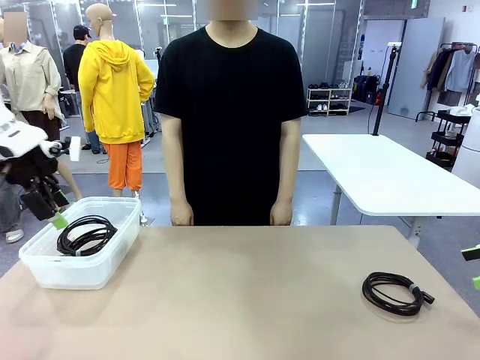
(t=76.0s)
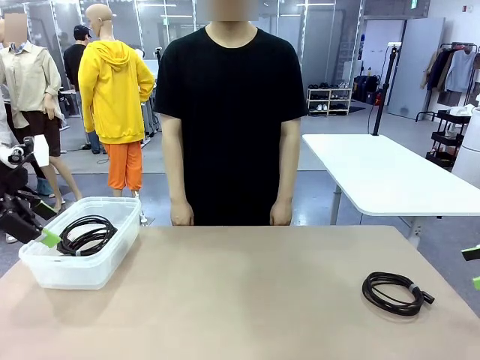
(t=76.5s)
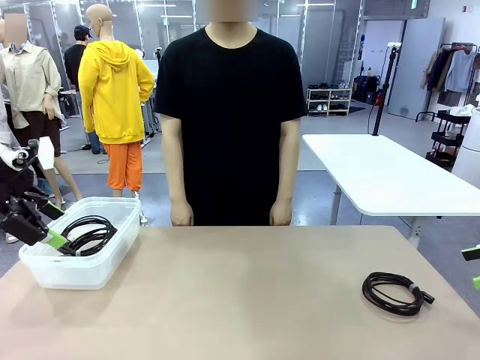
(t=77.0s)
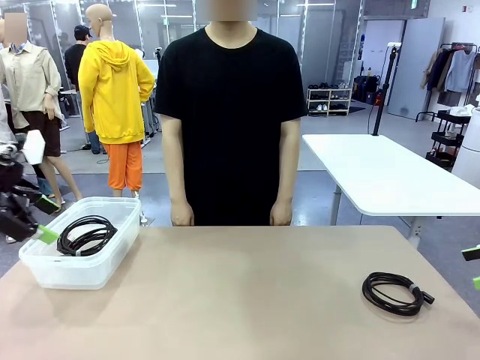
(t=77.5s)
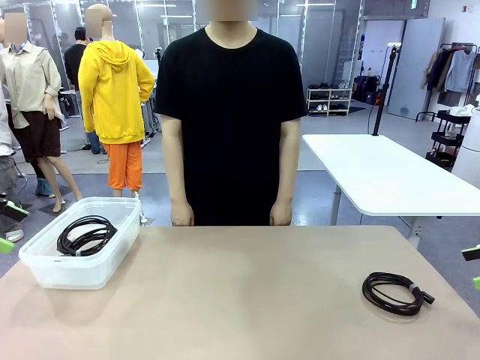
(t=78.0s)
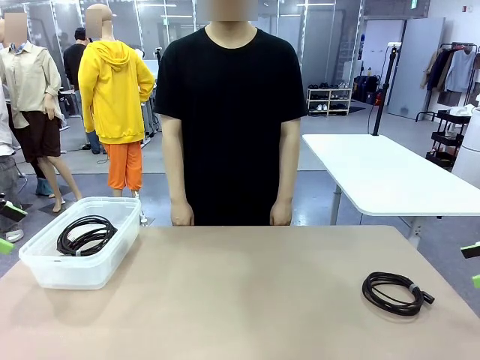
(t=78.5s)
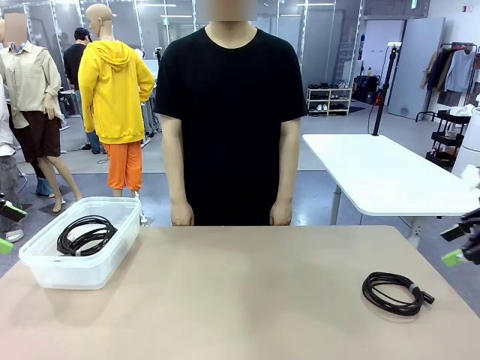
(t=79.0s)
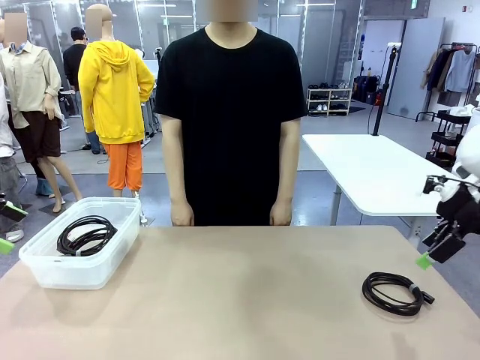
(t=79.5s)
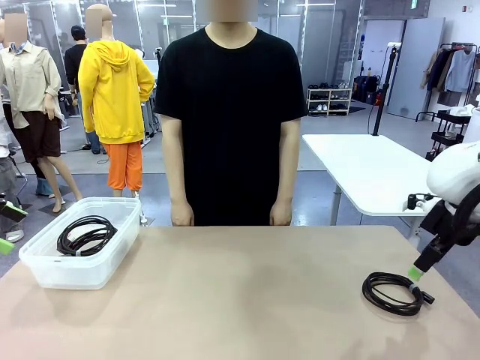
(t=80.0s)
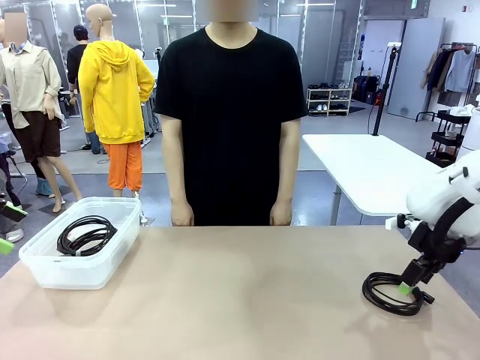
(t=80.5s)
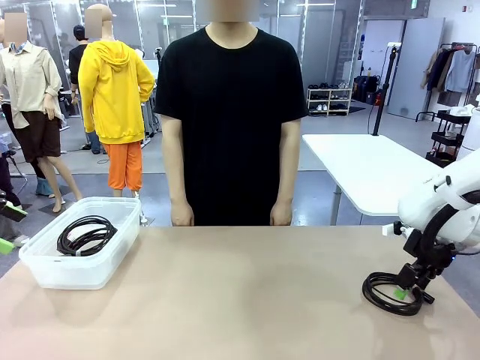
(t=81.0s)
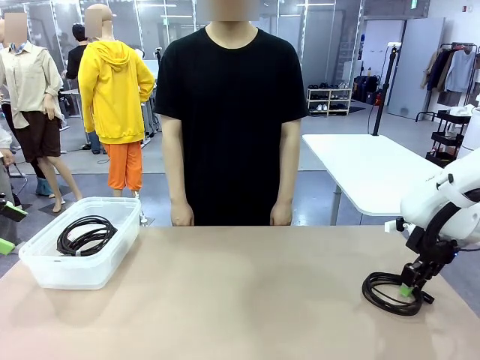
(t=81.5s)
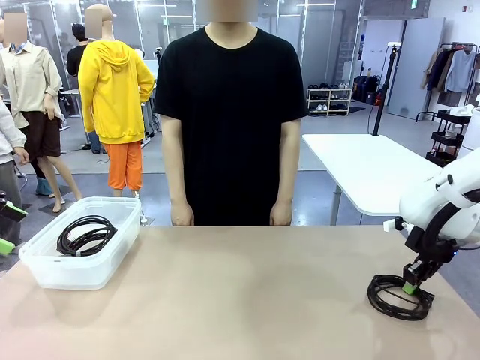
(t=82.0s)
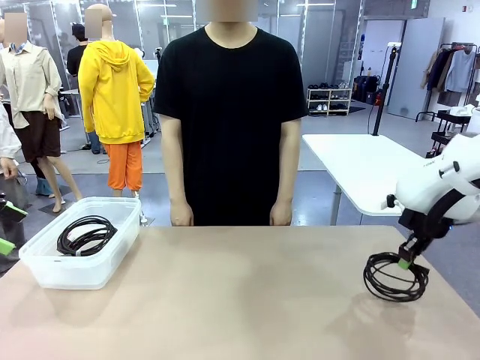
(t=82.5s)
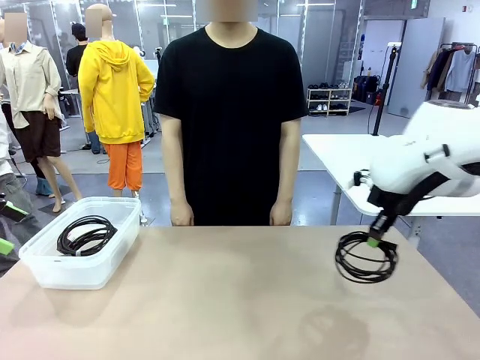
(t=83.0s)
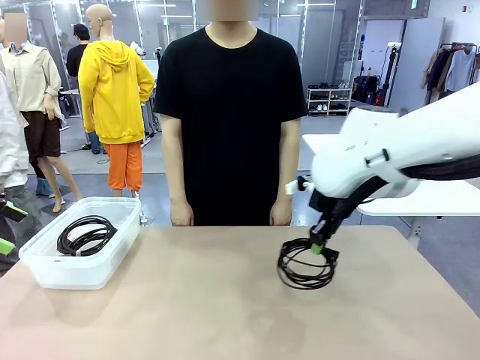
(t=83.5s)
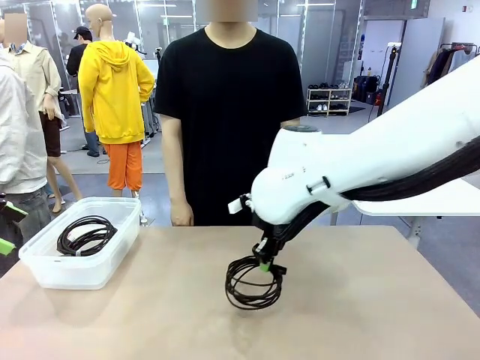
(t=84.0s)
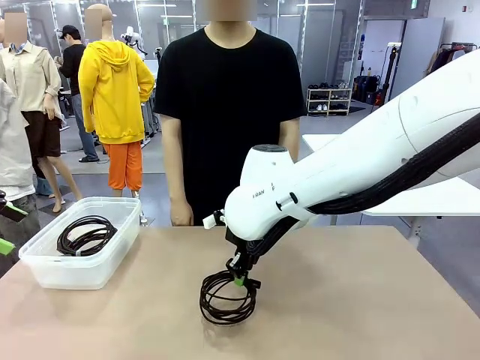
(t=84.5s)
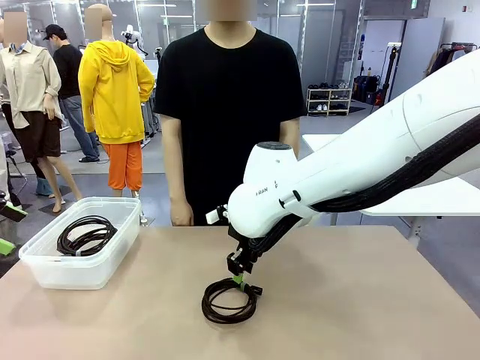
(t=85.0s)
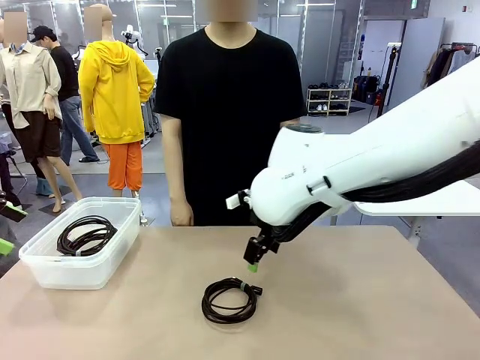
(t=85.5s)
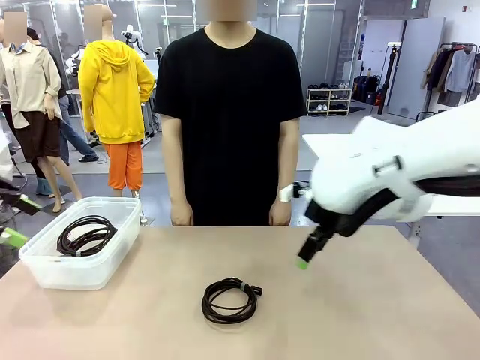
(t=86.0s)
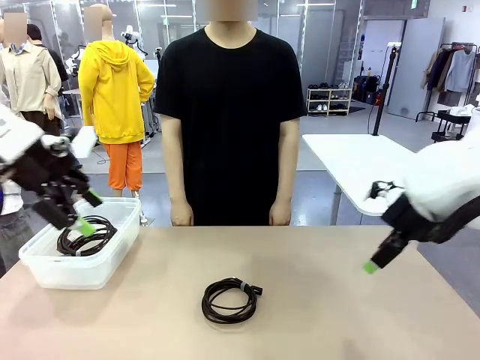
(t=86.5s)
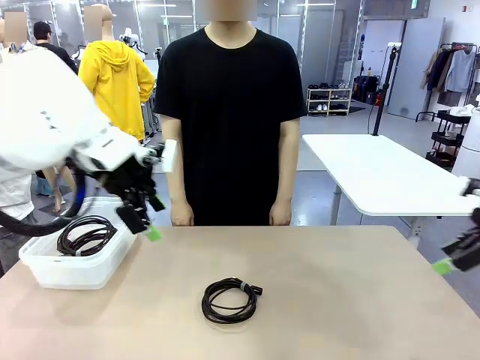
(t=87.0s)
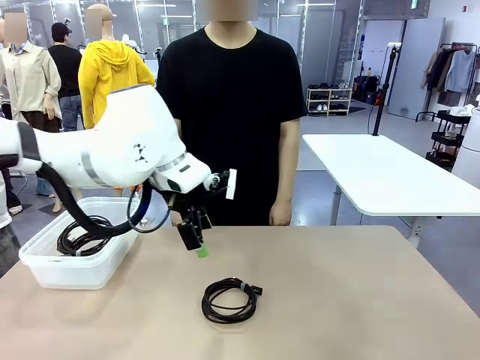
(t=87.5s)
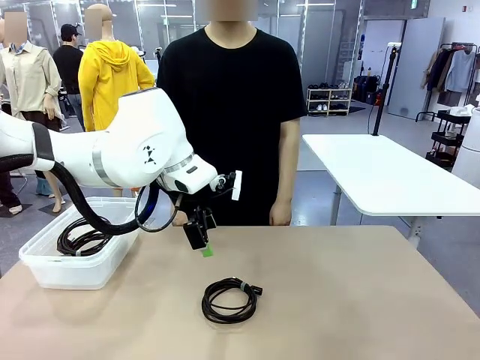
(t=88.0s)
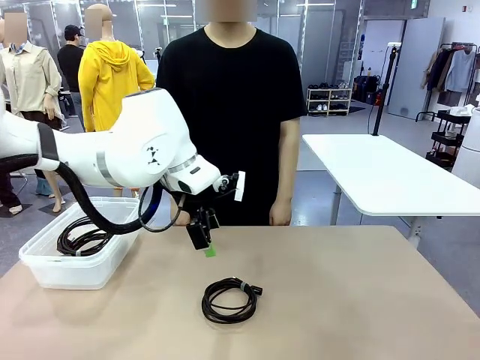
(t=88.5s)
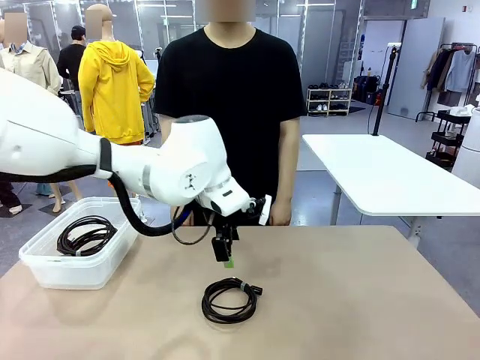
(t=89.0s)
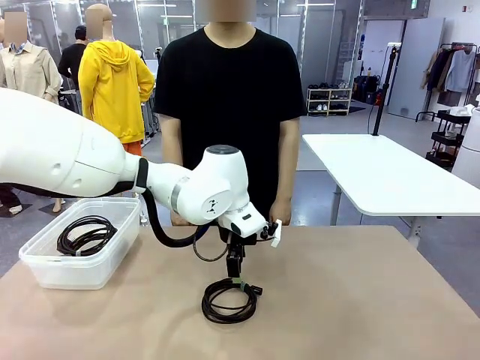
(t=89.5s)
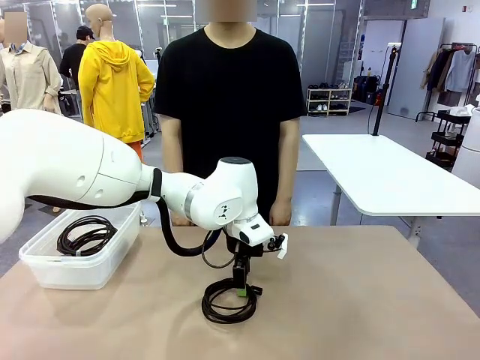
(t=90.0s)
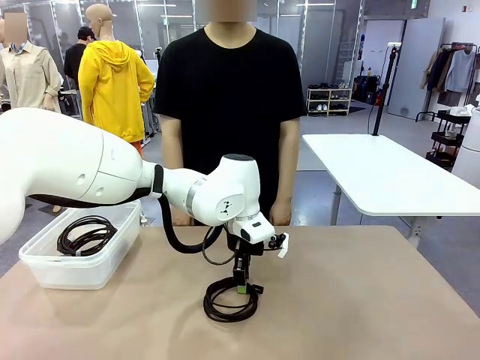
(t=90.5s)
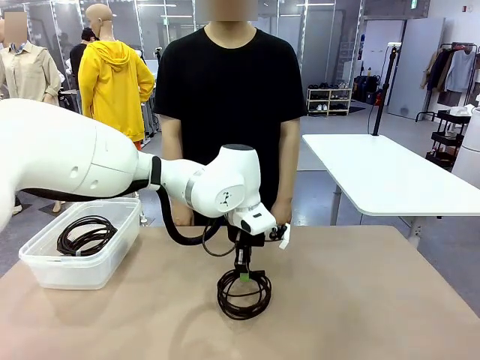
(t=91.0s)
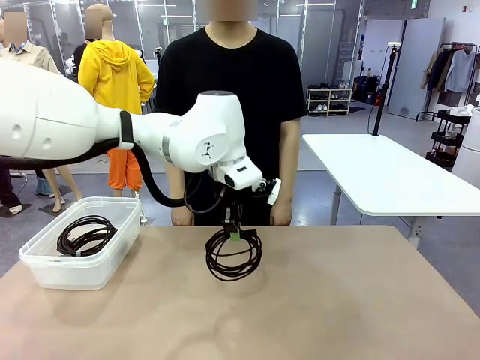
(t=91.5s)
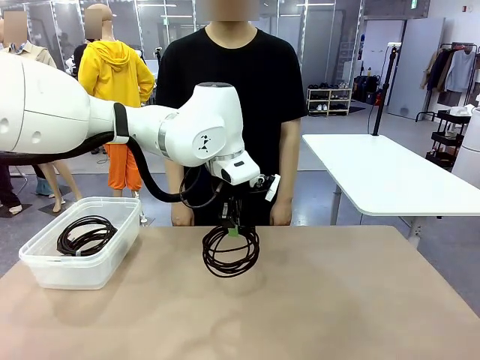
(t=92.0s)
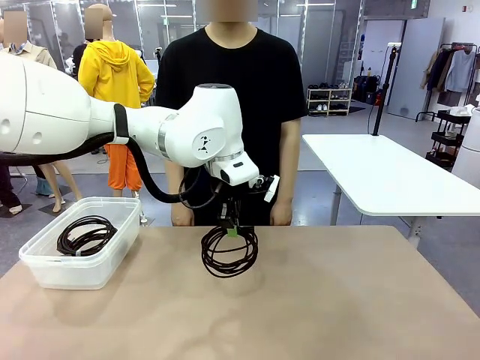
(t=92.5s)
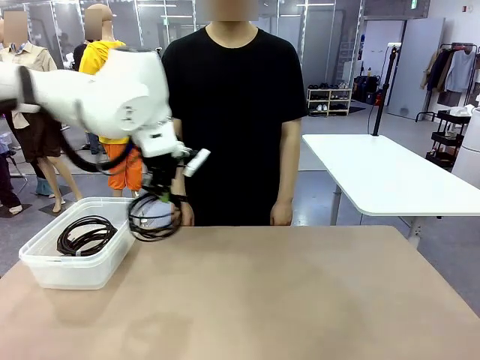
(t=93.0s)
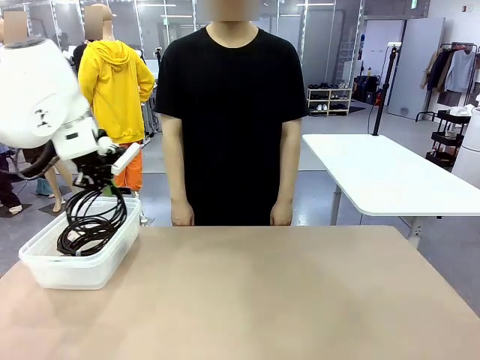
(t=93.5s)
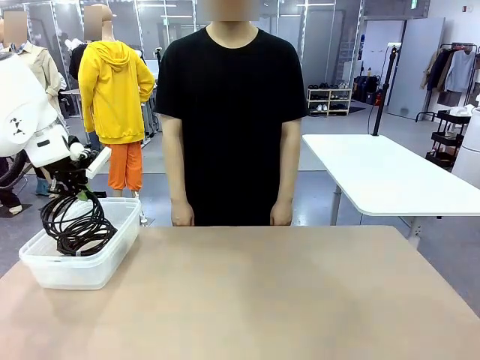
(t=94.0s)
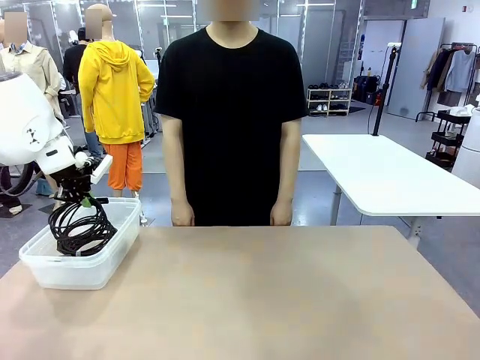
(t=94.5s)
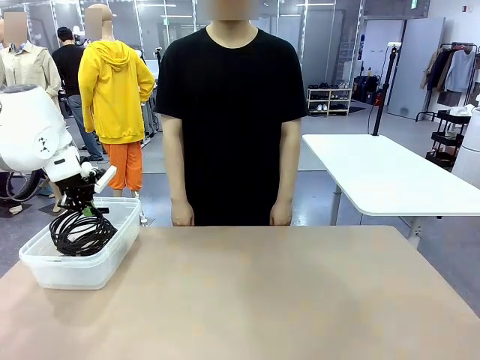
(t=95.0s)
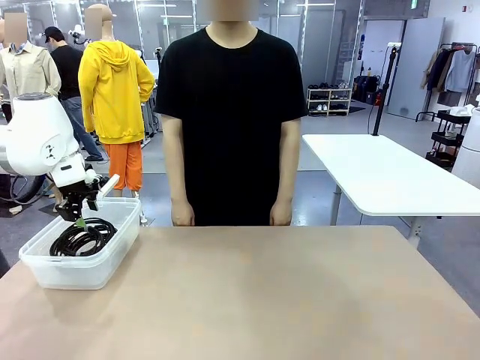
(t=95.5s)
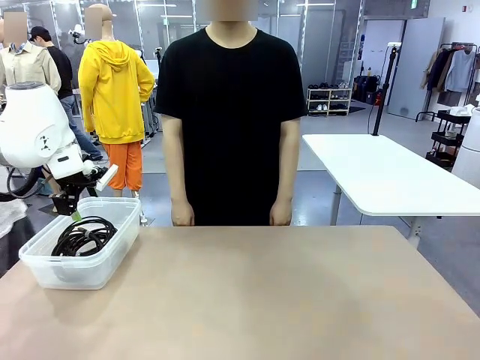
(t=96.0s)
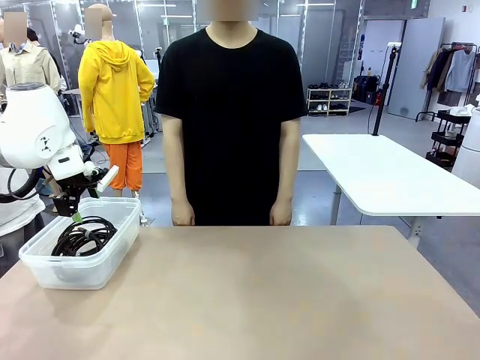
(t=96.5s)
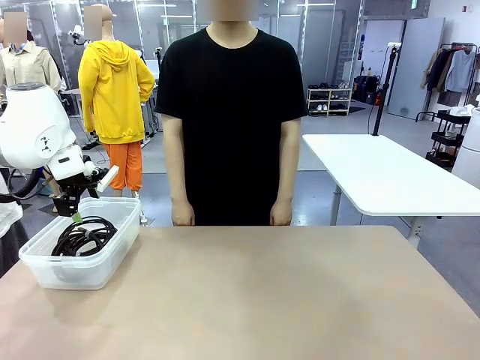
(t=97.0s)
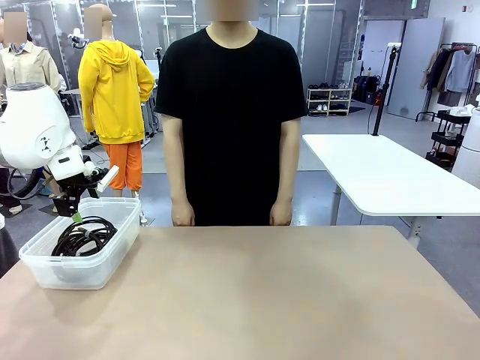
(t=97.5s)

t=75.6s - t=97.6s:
Task: Organize and store the cables.
Robot: Place the USB Extension Cable into the Organizing box.

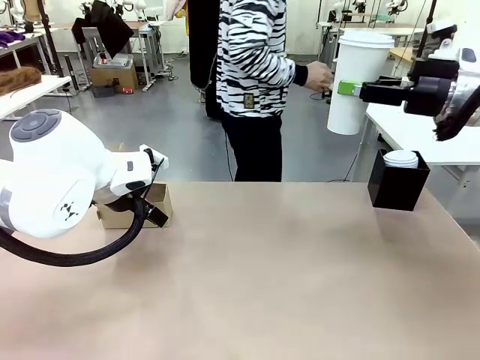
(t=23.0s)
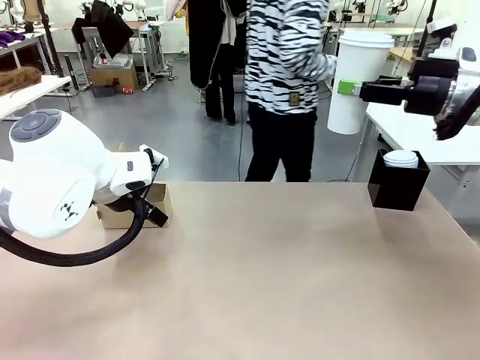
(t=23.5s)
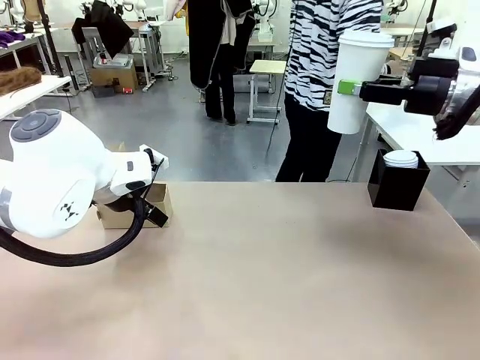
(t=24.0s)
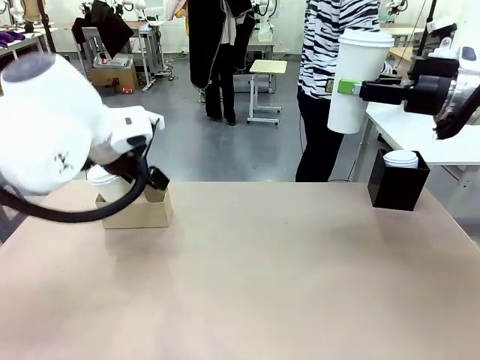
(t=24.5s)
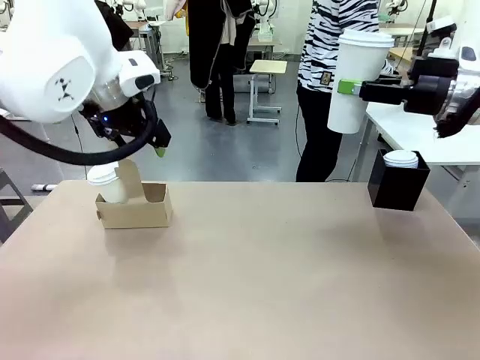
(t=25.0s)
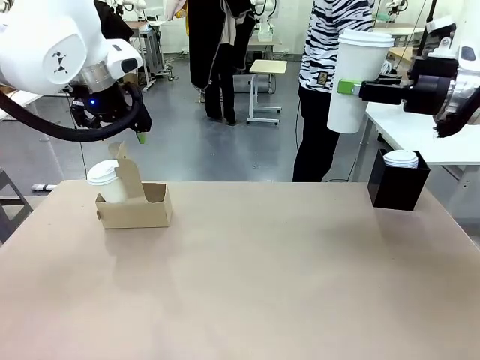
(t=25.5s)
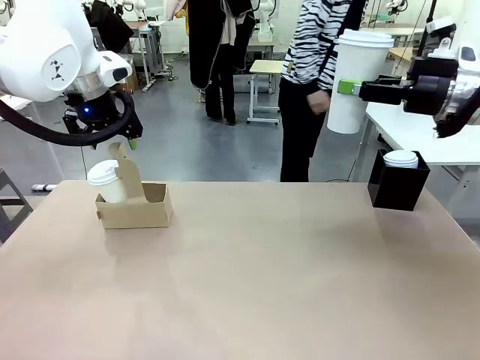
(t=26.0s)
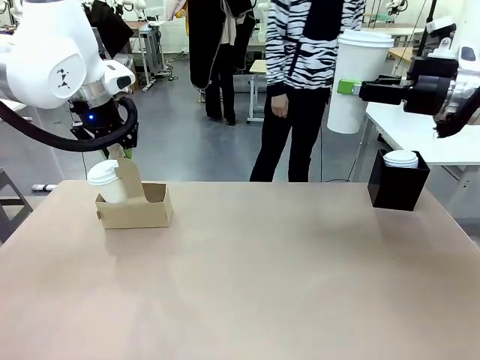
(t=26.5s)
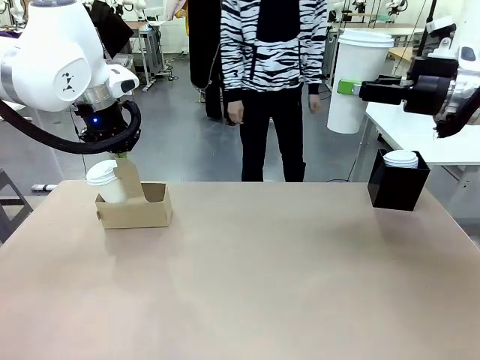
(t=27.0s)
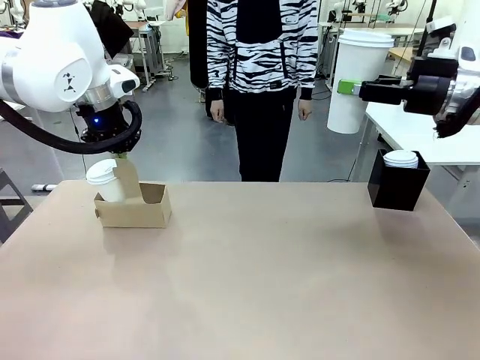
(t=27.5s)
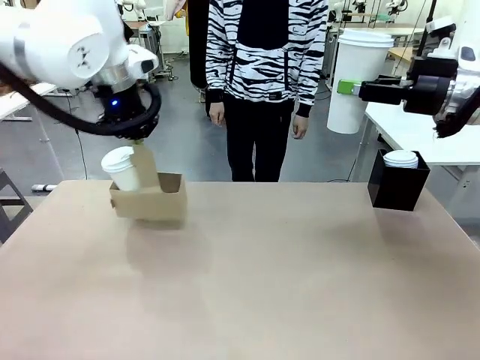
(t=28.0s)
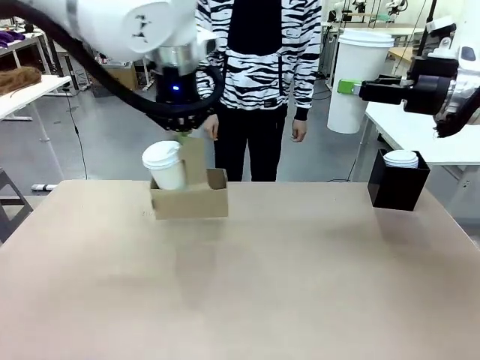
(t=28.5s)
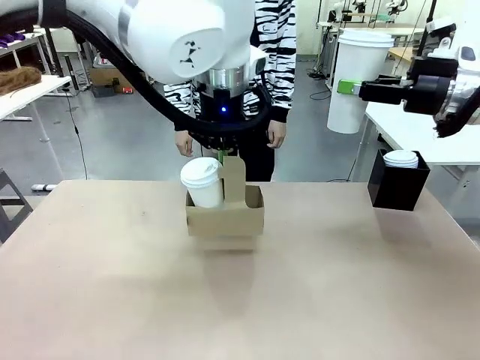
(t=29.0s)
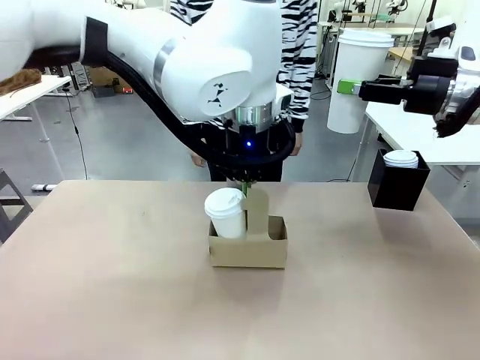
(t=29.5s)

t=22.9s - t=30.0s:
Task: Pour a drink into a cup and package it in a carrier.
Robot: Position the Cup Carrier in the center of the table.
Person: Pick up the Filter Brewing and place on the middle of Human table, and return to the Robot table.
